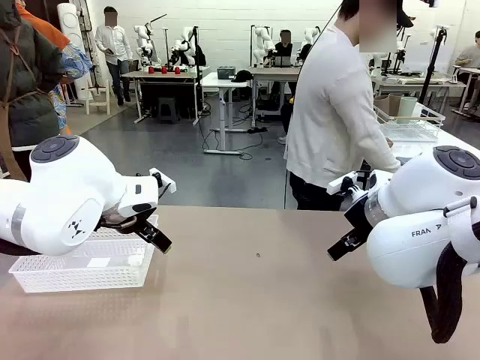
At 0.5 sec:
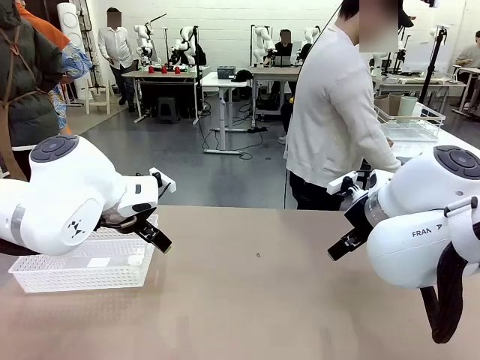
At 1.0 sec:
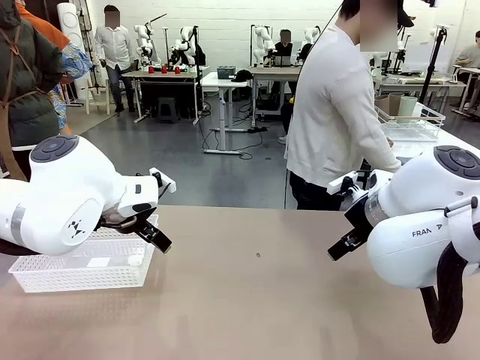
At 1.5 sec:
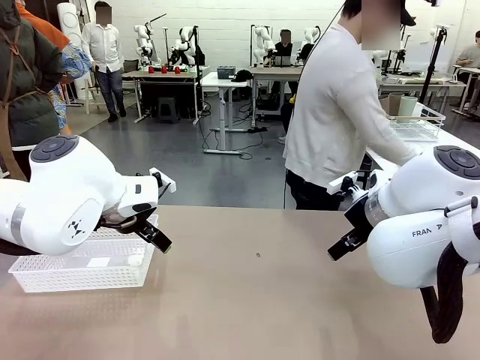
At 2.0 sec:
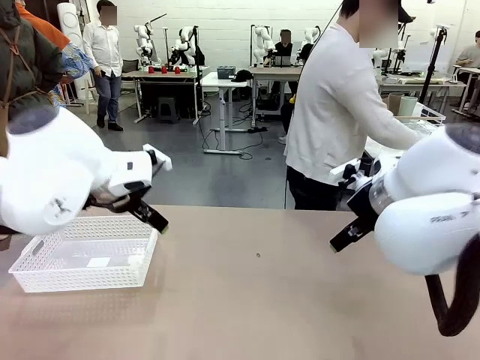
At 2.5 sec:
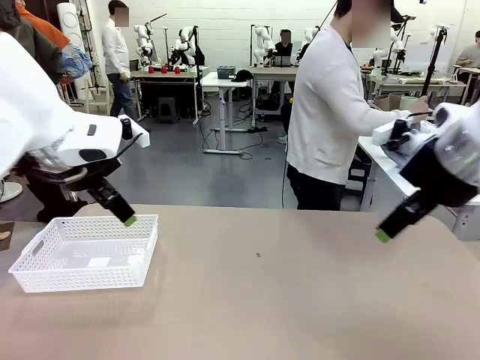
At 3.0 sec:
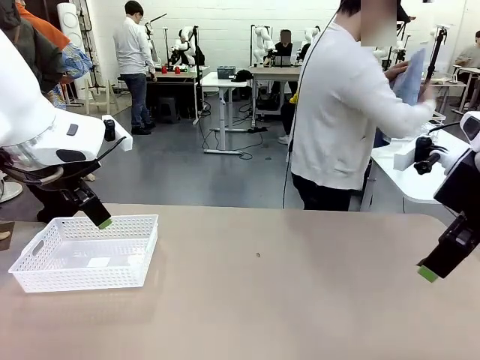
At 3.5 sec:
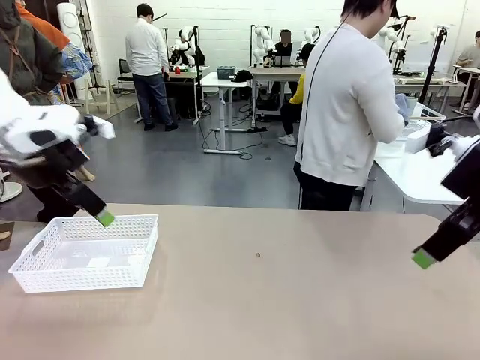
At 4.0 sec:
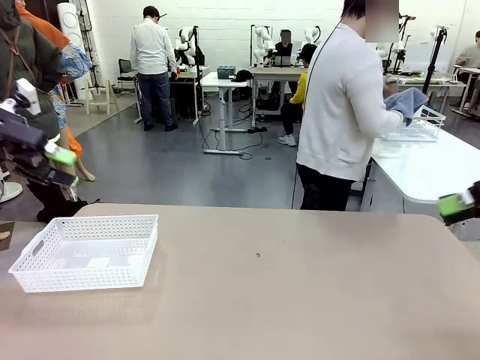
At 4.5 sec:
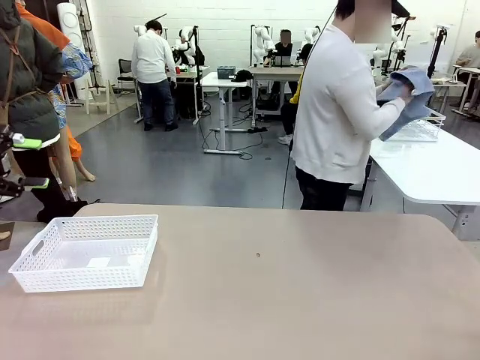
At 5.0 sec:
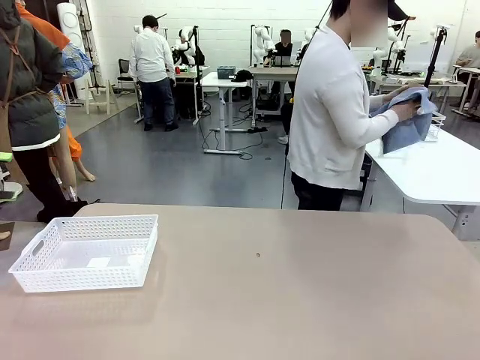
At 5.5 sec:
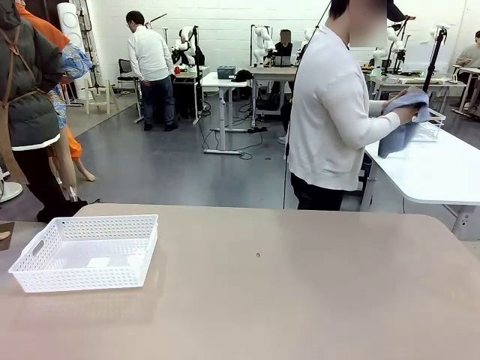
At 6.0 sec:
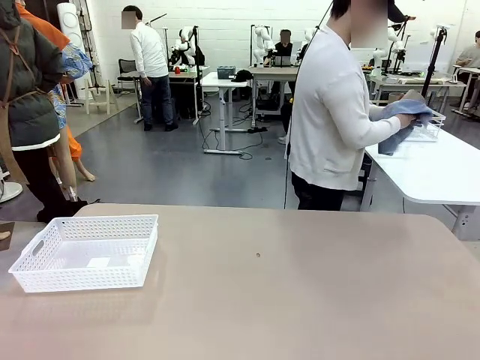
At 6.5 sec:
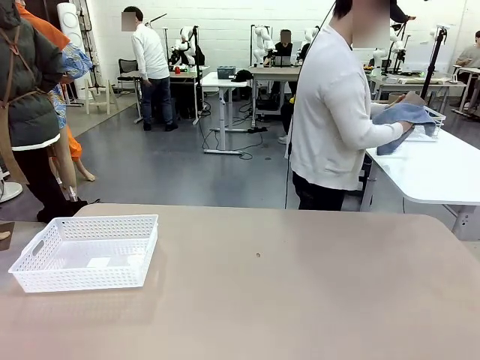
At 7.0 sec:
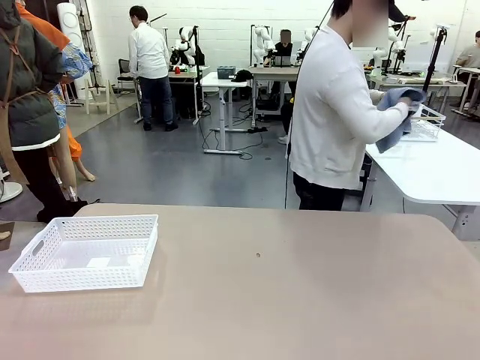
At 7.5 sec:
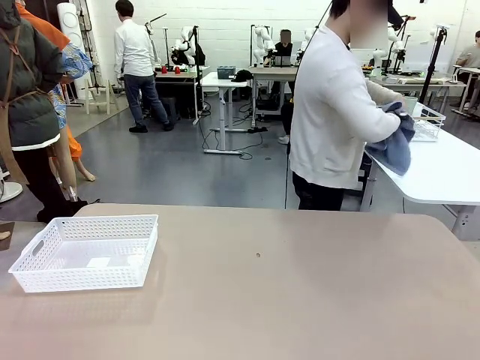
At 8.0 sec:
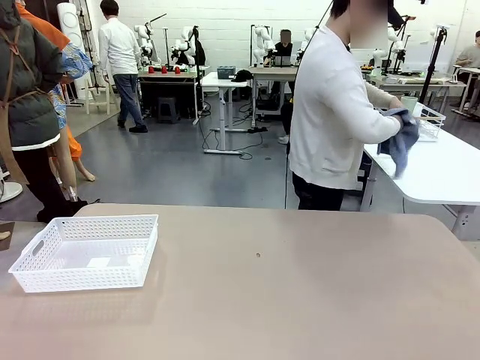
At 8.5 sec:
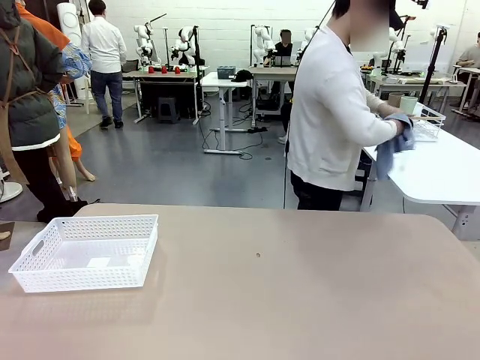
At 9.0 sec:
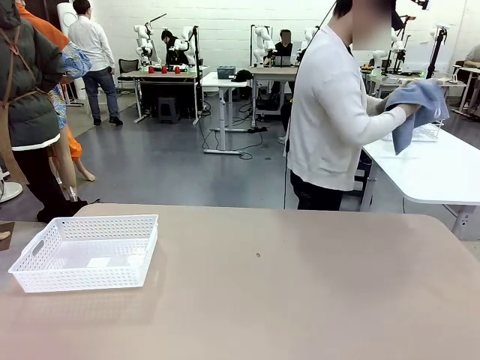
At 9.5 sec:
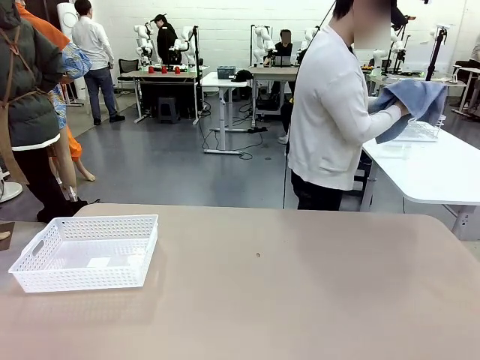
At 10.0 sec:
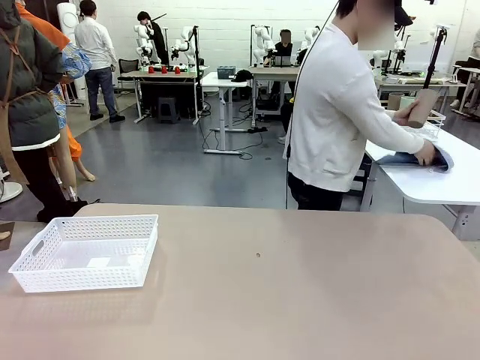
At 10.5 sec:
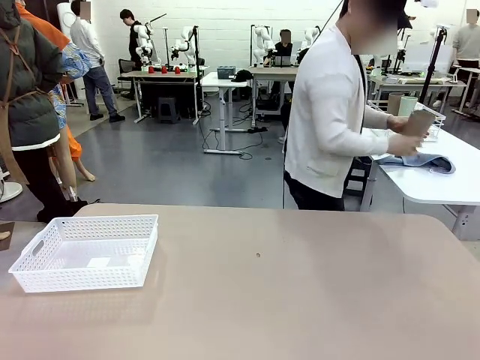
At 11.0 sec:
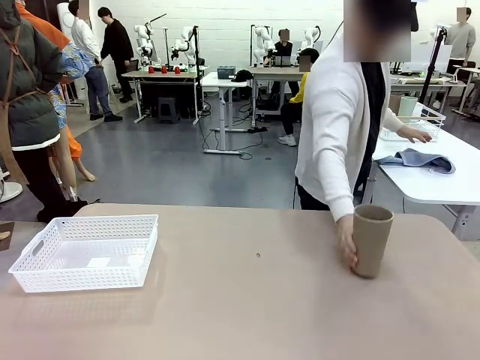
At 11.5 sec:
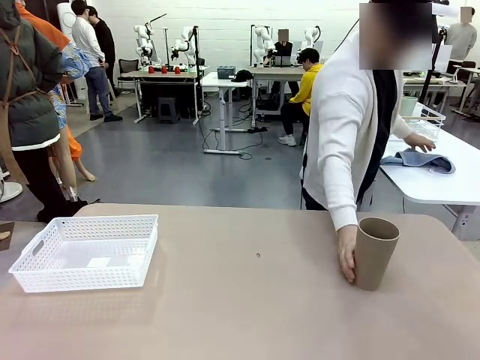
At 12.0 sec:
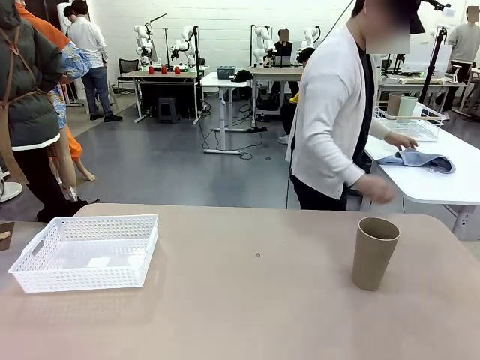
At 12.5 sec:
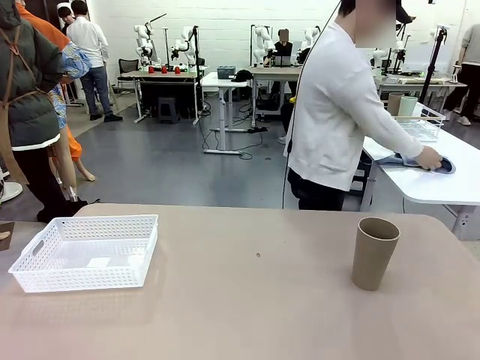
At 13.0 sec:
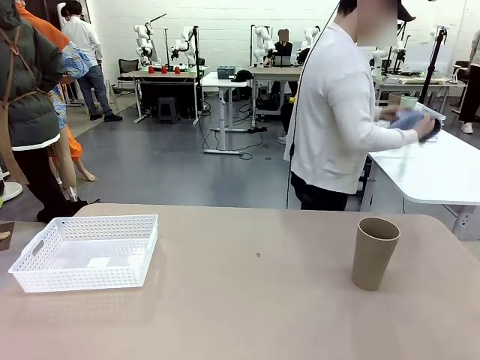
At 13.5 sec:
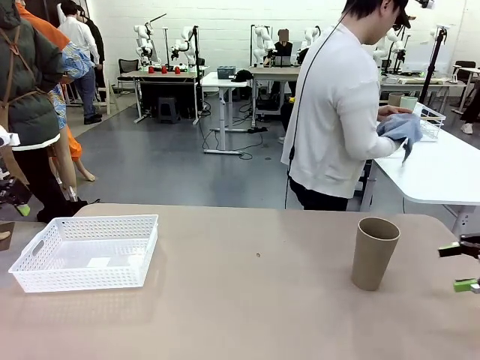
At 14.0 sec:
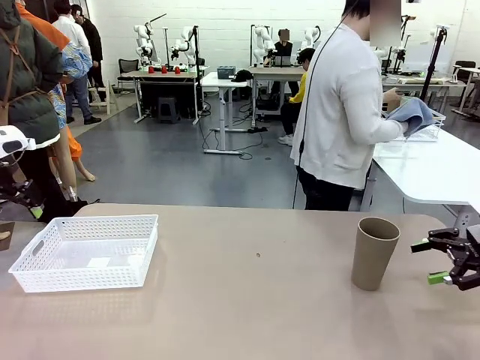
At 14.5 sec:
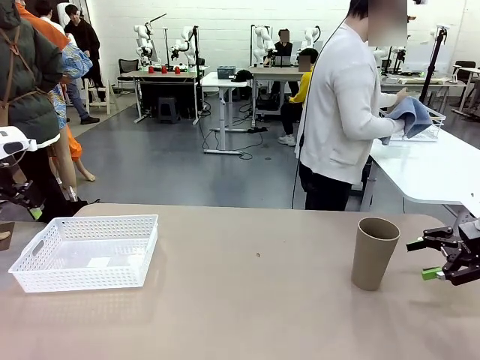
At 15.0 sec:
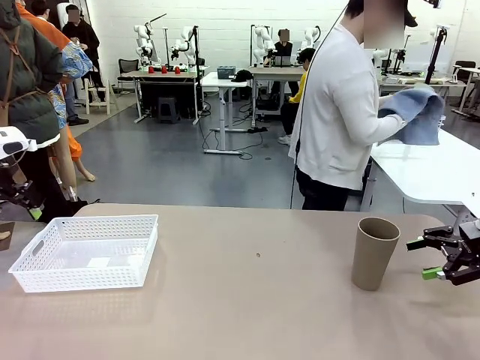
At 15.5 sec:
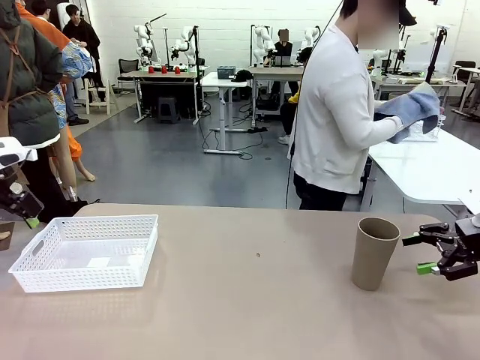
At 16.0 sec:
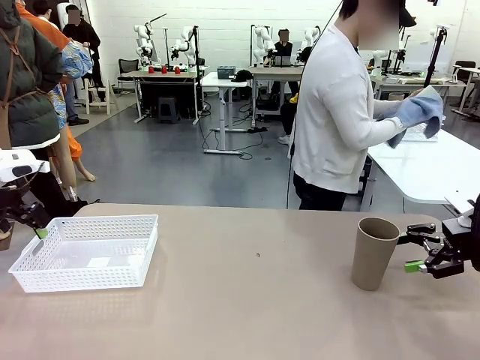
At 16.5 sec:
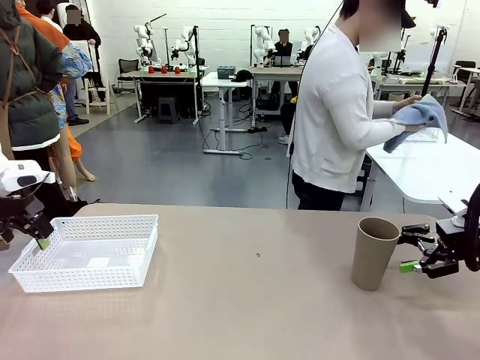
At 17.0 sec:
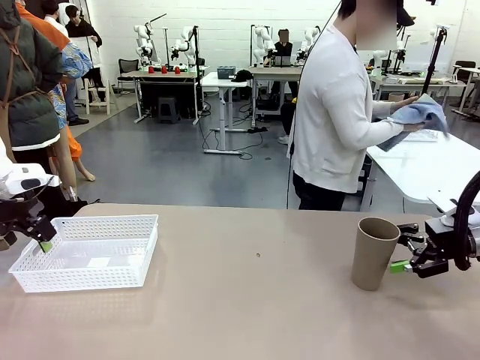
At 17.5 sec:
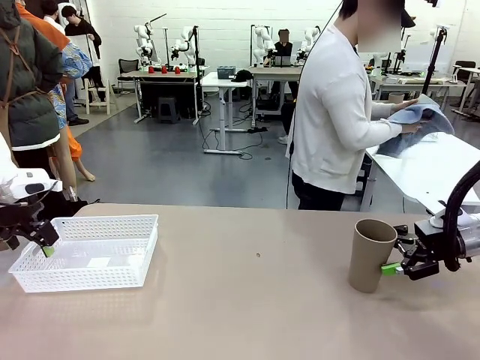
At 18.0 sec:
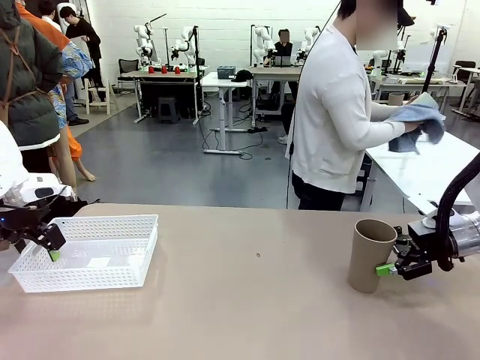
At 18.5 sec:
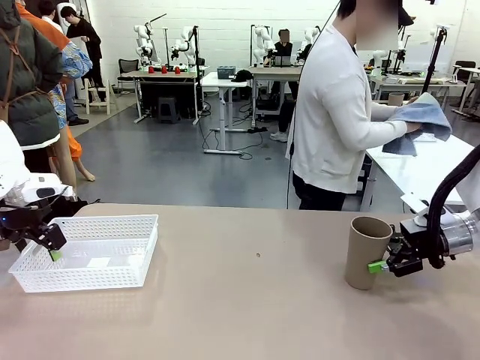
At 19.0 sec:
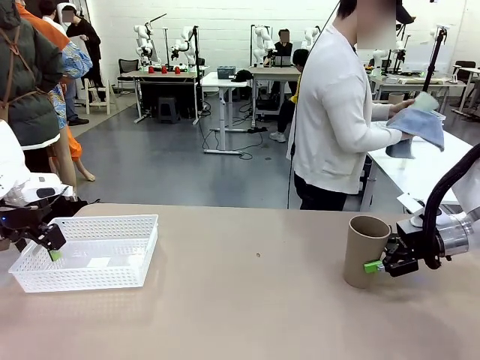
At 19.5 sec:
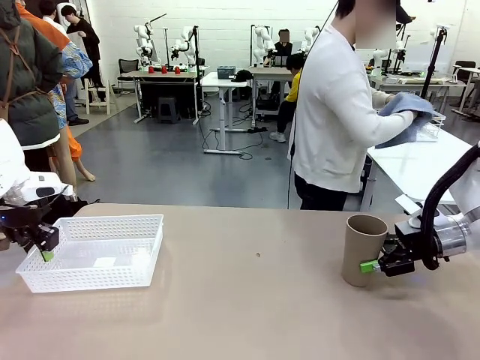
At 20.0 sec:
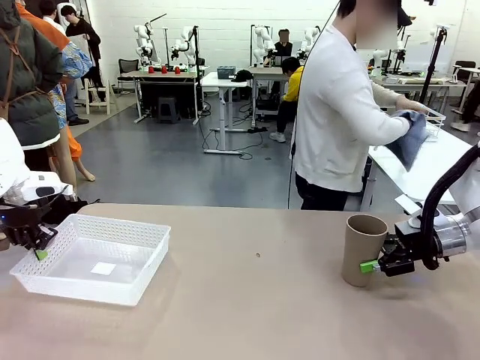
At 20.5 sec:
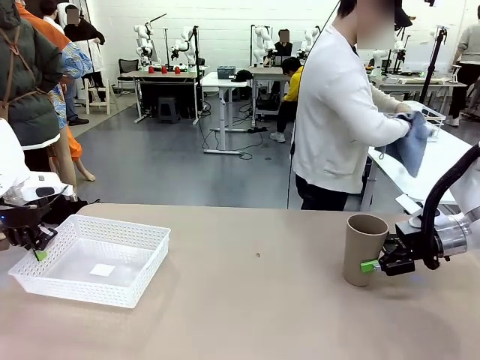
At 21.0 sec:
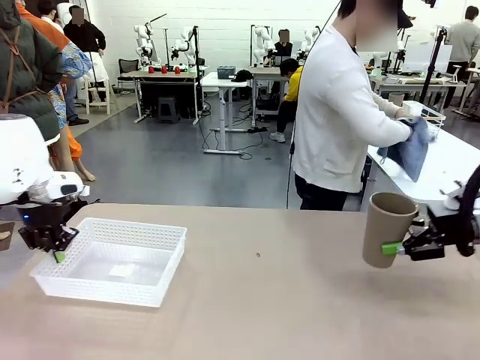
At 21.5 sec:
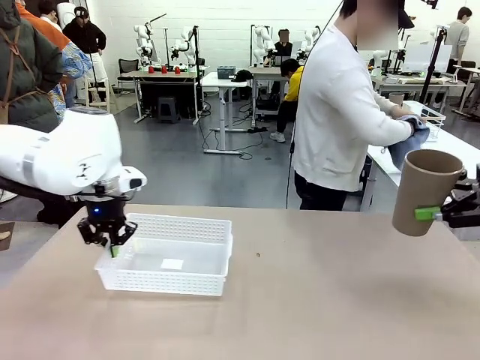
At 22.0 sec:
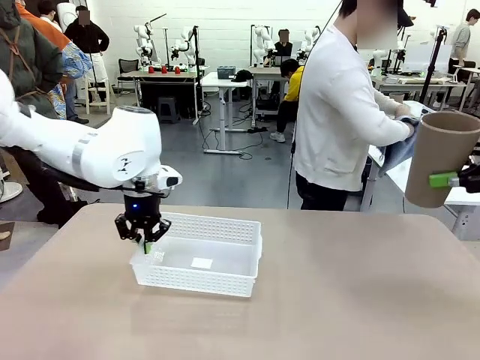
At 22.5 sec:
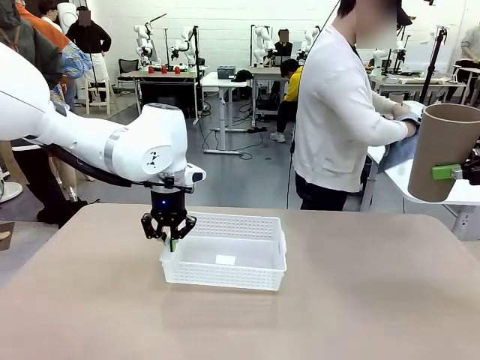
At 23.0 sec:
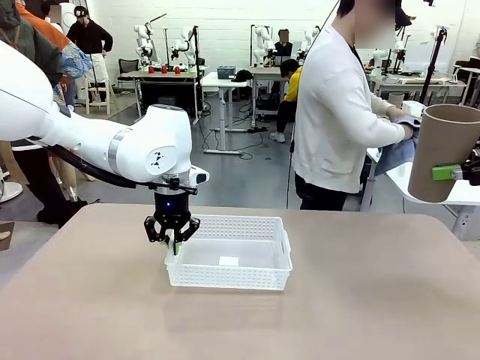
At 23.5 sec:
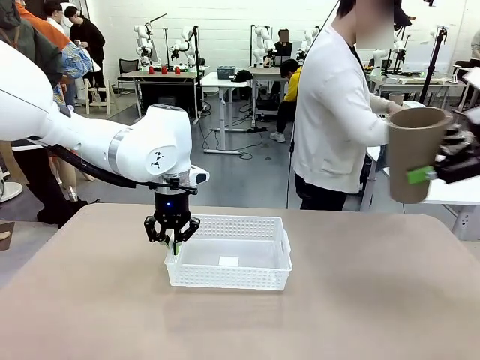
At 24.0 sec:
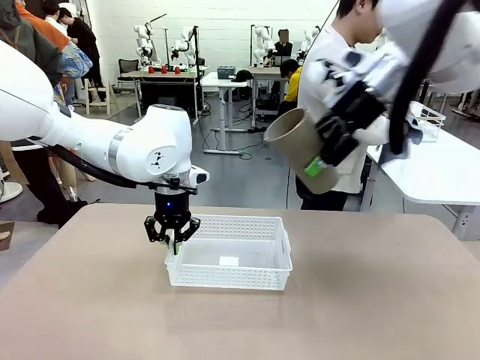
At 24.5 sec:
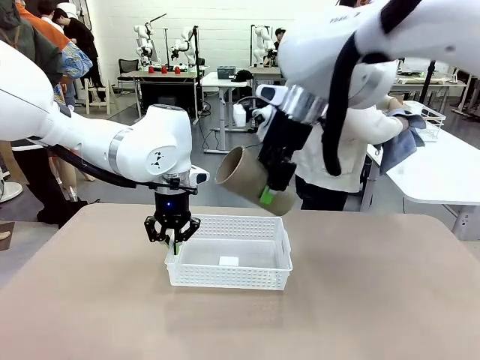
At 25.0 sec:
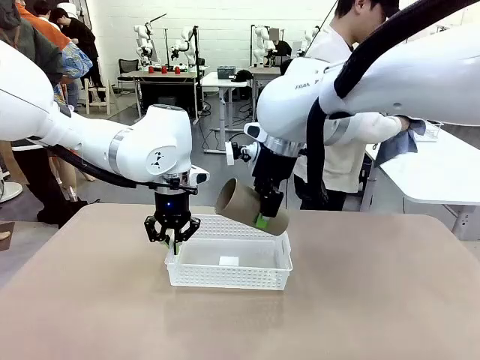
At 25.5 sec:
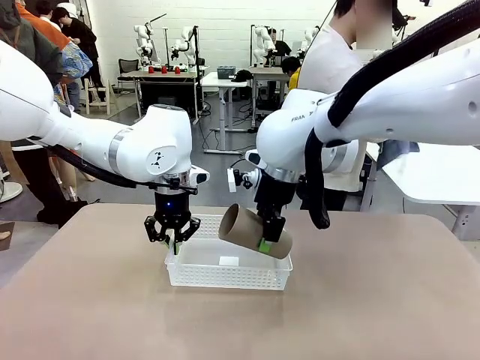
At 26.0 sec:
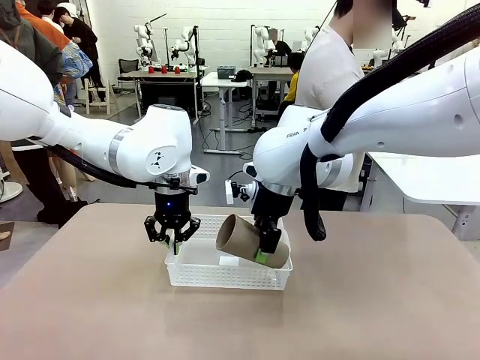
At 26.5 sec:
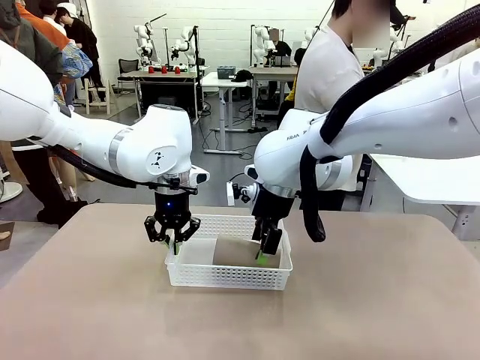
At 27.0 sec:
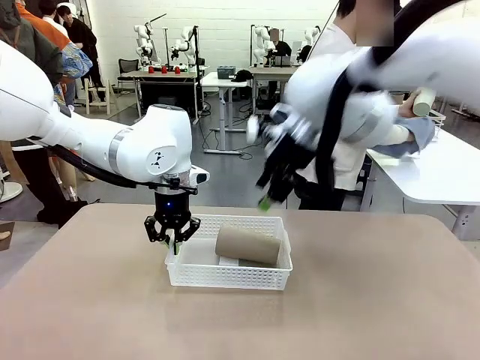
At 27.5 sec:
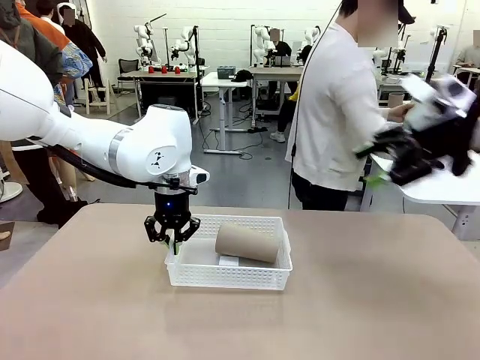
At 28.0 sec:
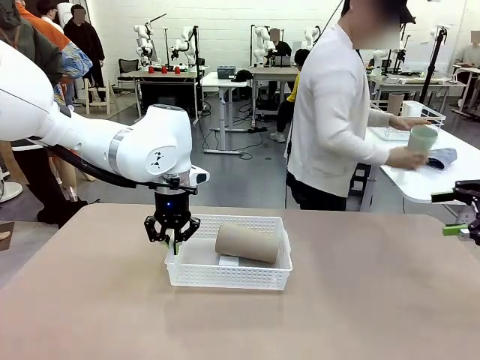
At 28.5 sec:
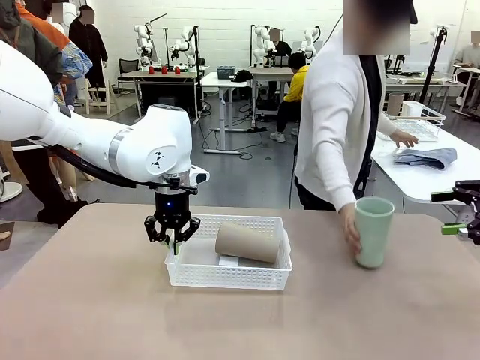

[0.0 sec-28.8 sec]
Task: Clean and organize the cups into the basket.
Robot: Pick up the Organizing basket and move it to the center of the table, then pick up the Reusable plastic cup from the right side of the table and place it inside the Organizing basket.
Person: Picks up a cup and a towel, cleans the cup with the towel, and places it on the left side of the robot table. Picks up a cup from the drying rack, cleans the cup with the towel, and places it on the left side of the robot table.
